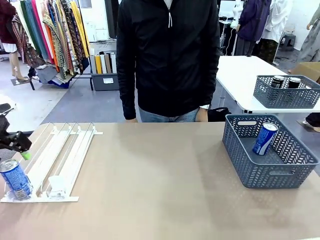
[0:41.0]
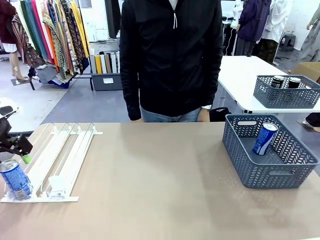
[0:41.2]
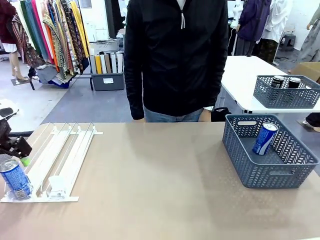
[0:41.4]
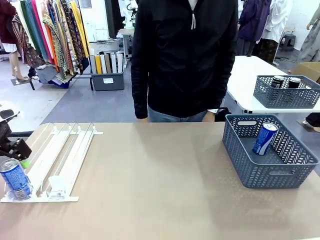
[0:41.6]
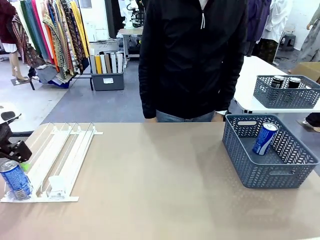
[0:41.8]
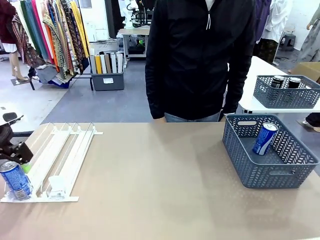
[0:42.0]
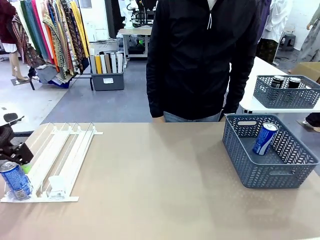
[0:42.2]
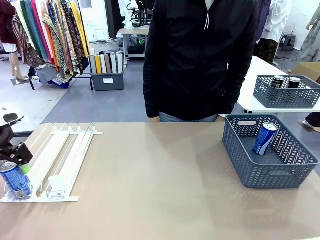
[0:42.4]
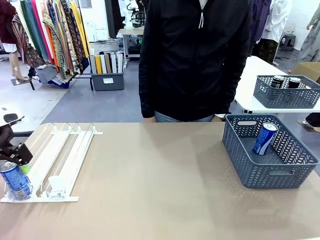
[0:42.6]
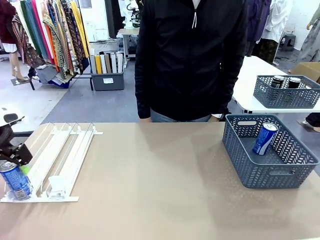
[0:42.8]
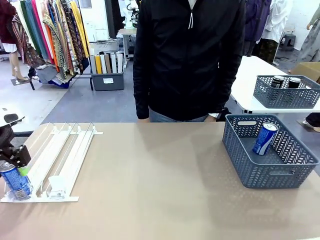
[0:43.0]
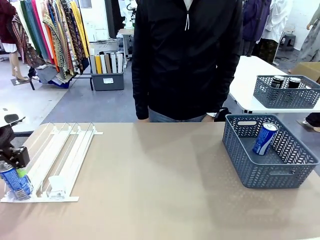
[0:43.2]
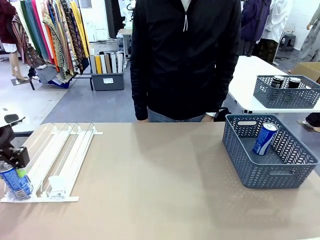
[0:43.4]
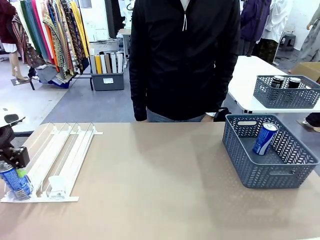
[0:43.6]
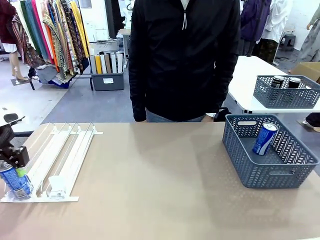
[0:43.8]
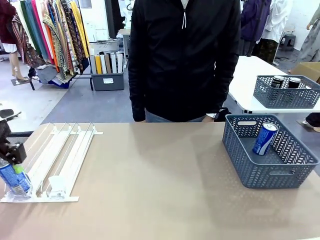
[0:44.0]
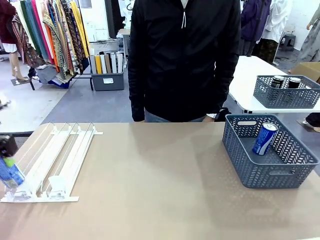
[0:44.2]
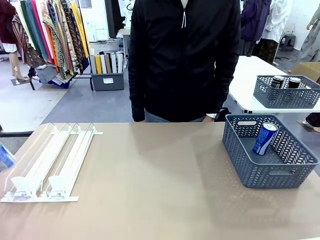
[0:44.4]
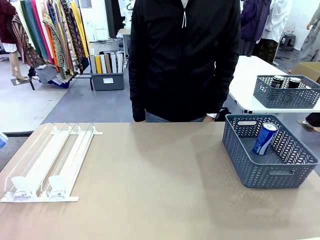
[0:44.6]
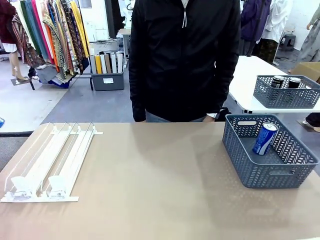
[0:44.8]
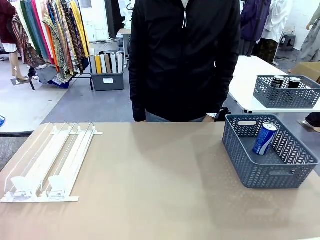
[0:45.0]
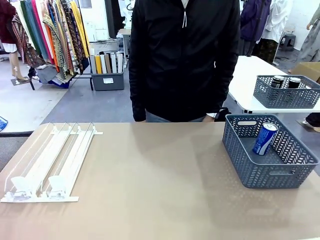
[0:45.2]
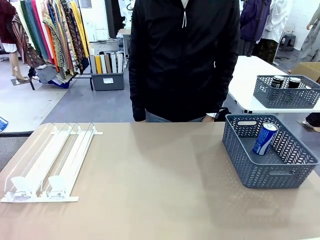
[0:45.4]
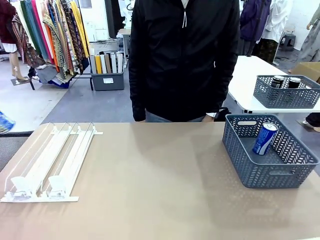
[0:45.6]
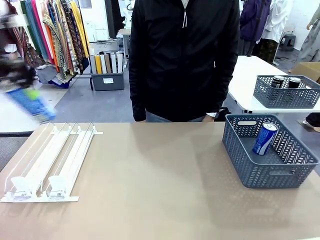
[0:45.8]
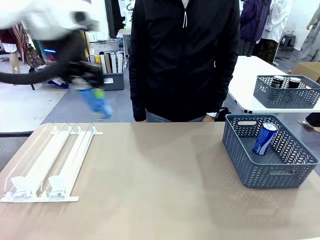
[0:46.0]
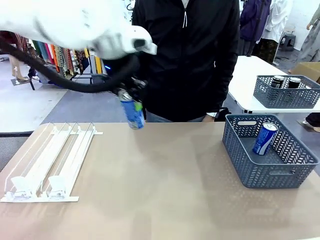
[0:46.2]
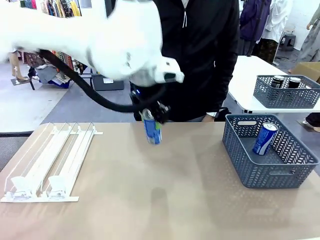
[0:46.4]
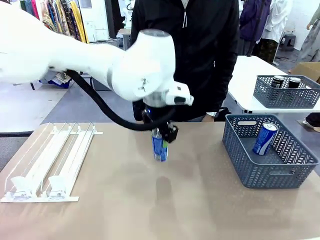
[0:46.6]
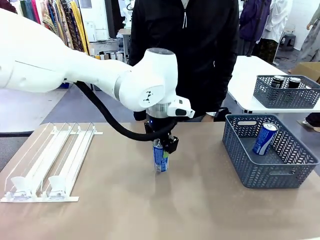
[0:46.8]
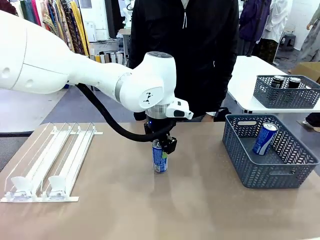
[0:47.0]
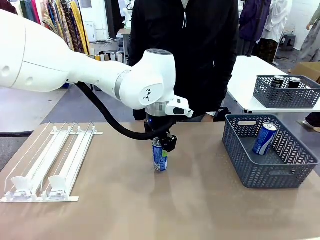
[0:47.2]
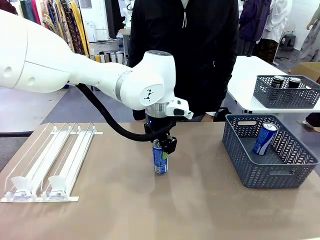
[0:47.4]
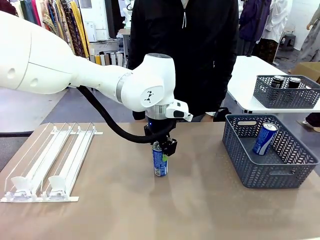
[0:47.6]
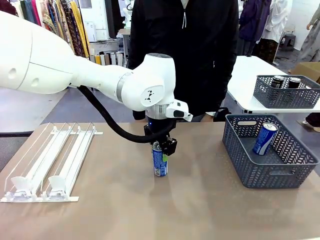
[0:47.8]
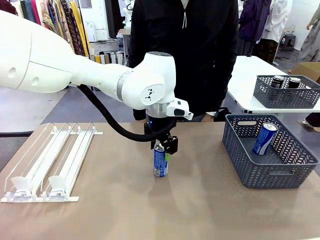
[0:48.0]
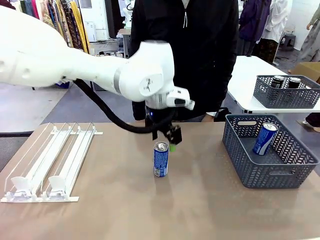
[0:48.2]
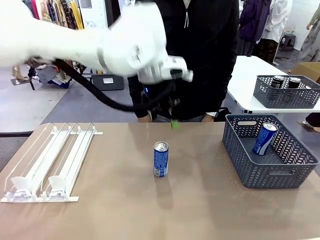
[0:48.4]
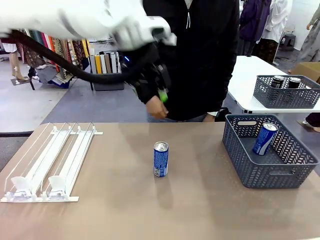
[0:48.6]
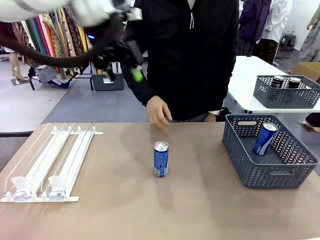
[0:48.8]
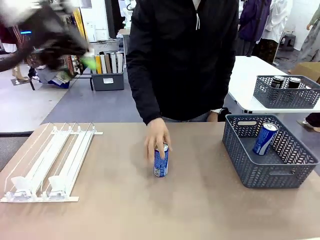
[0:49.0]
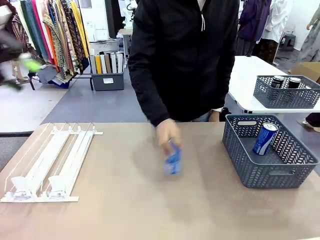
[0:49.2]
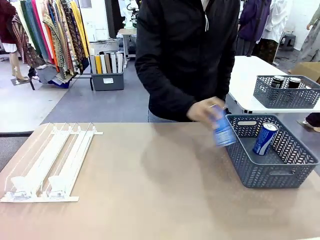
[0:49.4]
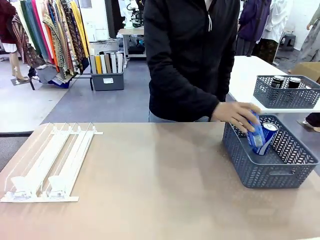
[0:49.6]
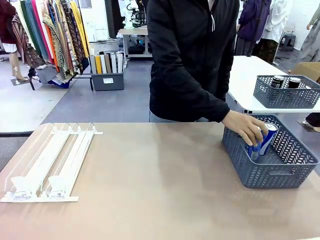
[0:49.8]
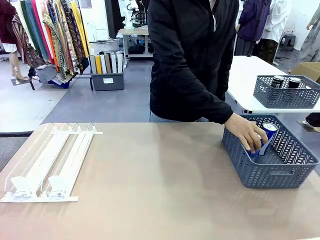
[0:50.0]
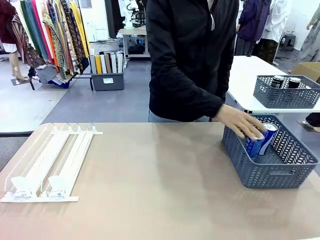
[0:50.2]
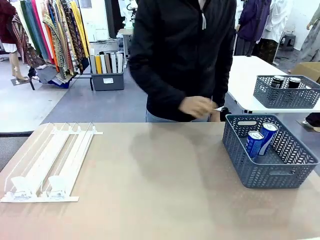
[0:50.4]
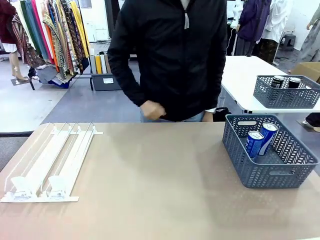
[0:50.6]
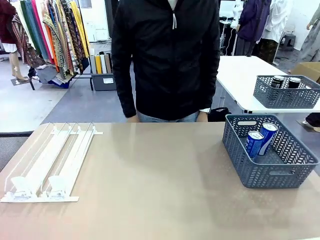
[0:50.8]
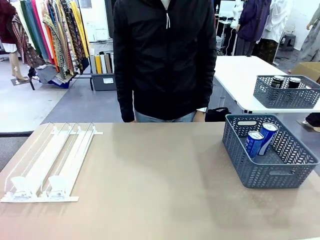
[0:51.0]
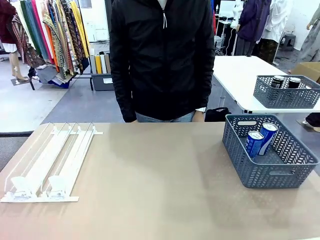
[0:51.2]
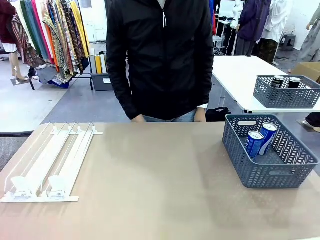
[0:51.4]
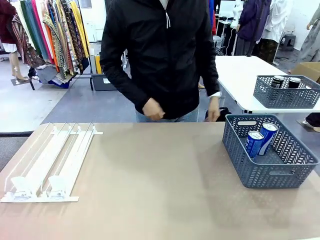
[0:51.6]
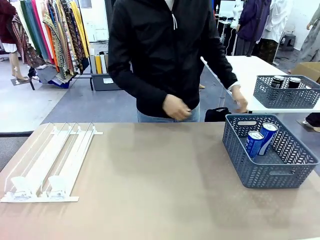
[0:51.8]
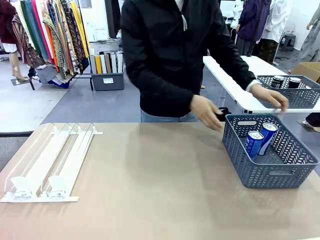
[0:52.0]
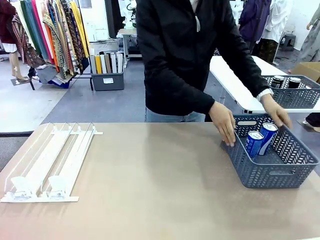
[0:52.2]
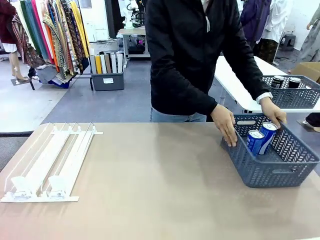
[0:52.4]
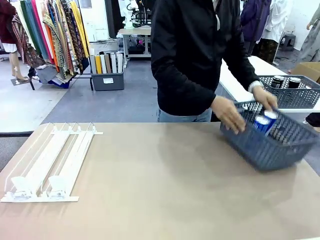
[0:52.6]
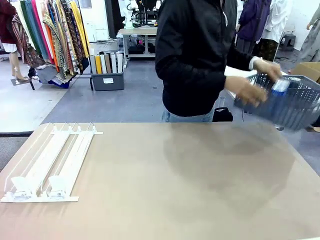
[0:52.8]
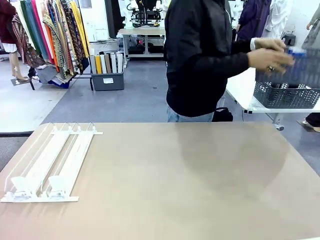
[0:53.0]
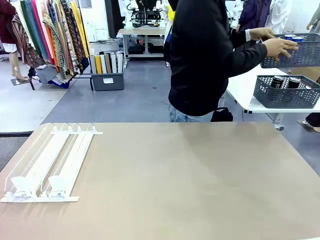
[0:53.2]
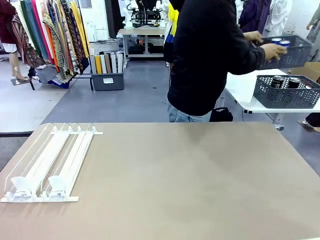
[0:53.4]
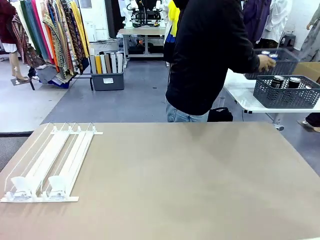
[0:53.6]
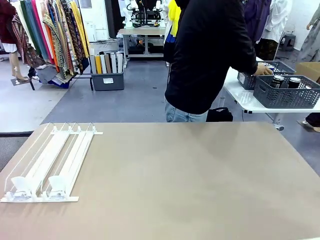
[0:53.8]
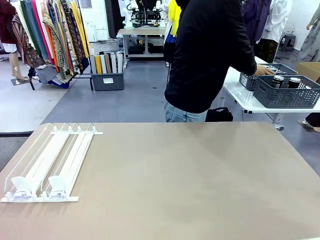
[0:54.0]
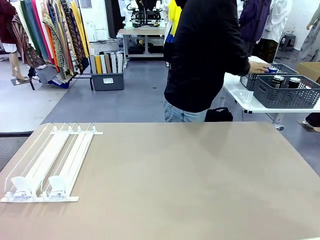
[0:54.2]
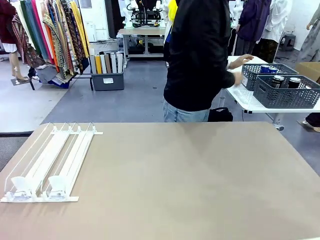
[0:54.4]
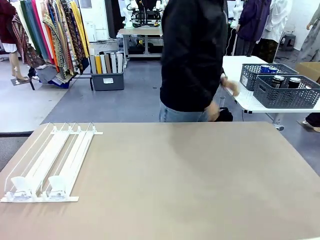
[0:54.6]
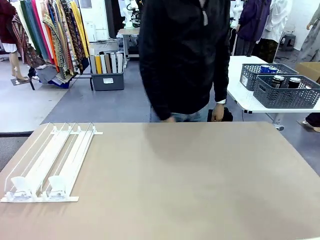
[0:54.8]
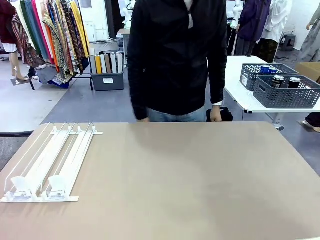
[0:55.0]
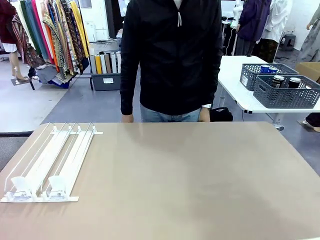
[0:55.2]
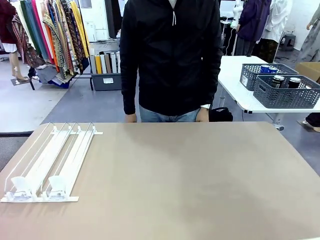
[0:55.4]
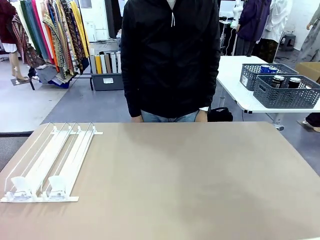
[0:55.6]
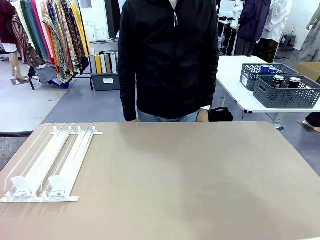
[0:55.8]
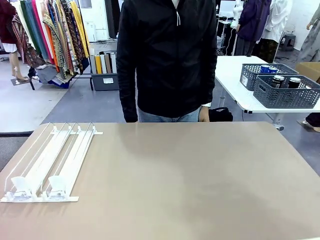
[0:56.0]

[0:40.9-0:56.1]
Task: Retrieve and store the cans from the dispenser.
Robot: Pick up one can from the Automatic Can Dispenser and place it in the middle of the table.
Person: Pick up one sports drink can from the middle of the robot table and place it in the basket. Pick up the basket and place it in the middle of the human table.
